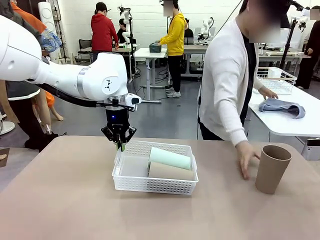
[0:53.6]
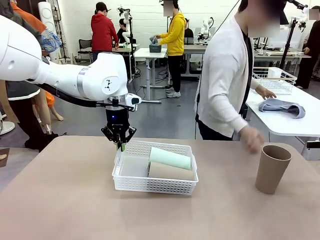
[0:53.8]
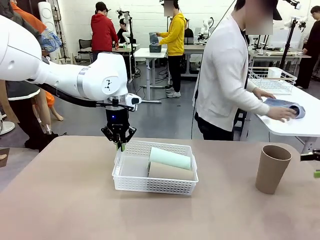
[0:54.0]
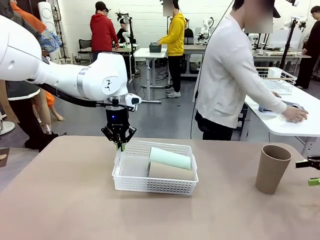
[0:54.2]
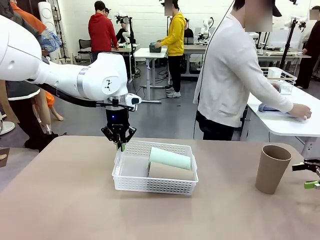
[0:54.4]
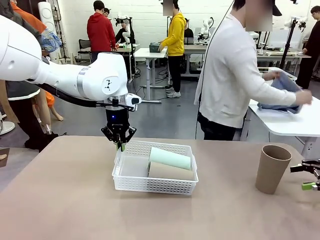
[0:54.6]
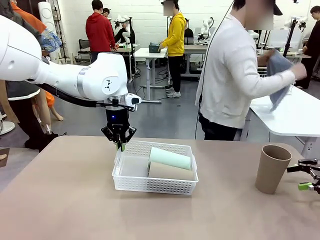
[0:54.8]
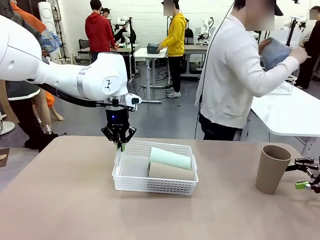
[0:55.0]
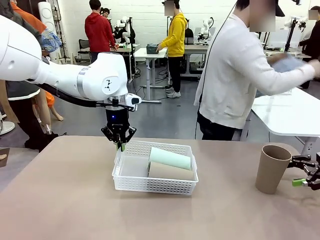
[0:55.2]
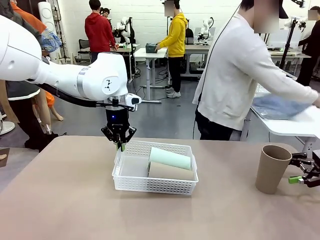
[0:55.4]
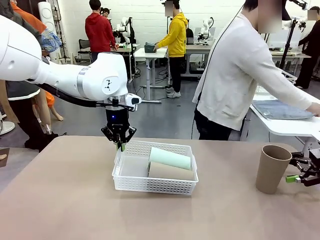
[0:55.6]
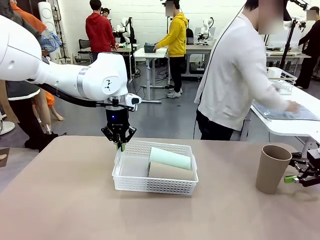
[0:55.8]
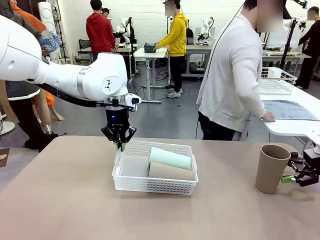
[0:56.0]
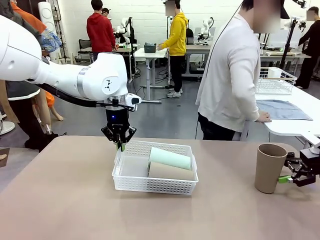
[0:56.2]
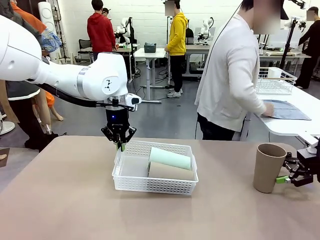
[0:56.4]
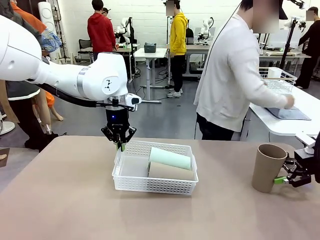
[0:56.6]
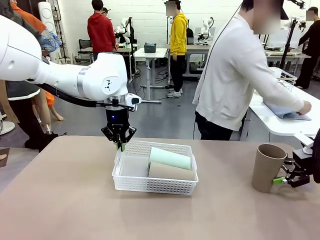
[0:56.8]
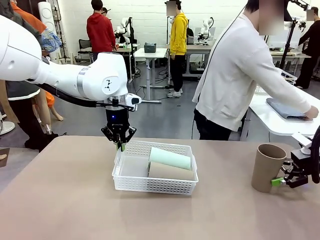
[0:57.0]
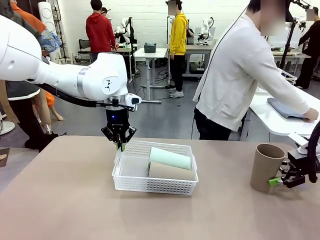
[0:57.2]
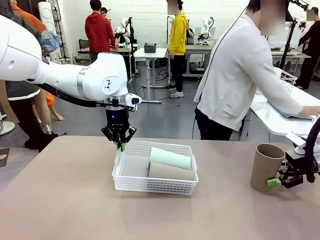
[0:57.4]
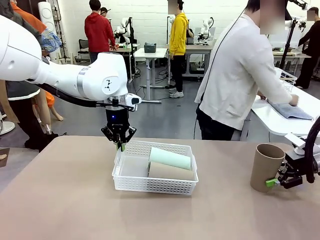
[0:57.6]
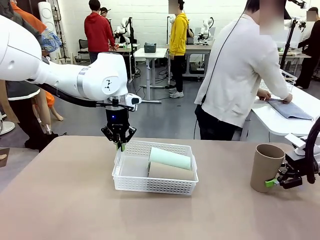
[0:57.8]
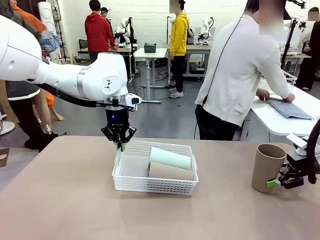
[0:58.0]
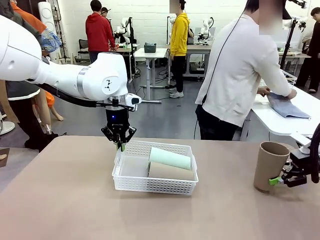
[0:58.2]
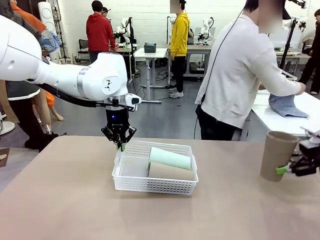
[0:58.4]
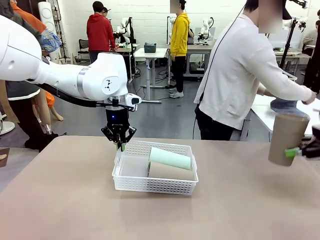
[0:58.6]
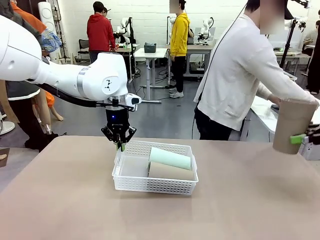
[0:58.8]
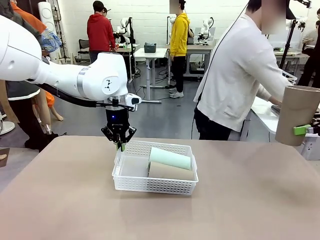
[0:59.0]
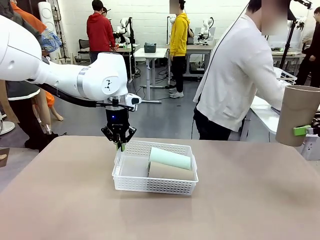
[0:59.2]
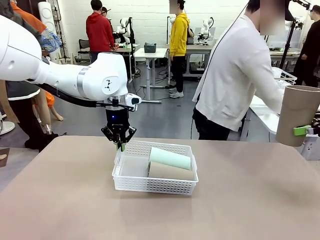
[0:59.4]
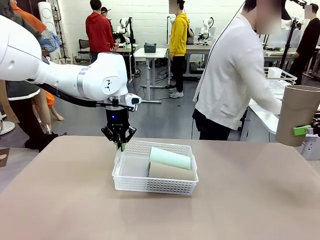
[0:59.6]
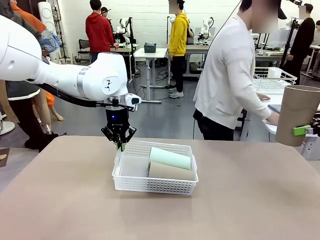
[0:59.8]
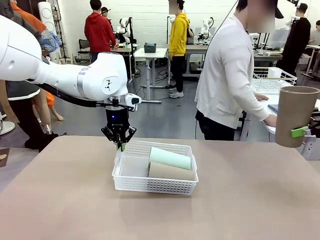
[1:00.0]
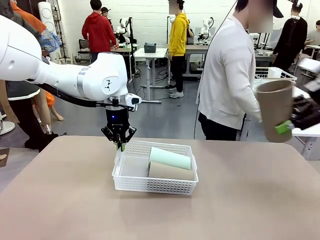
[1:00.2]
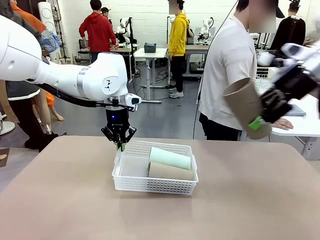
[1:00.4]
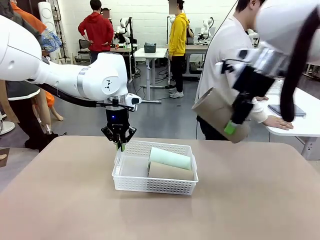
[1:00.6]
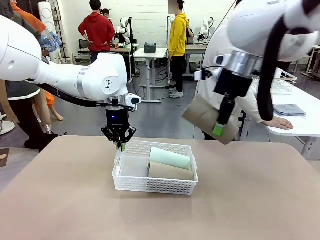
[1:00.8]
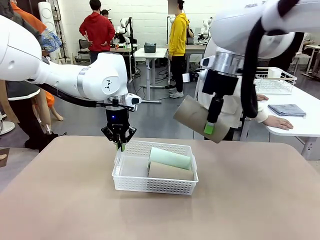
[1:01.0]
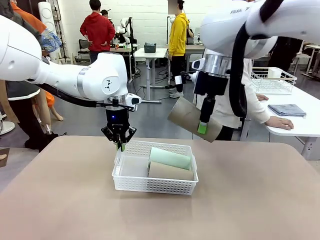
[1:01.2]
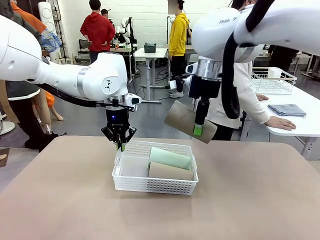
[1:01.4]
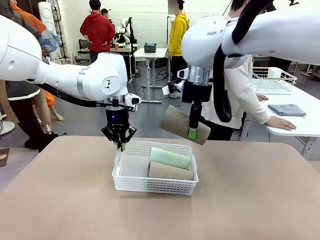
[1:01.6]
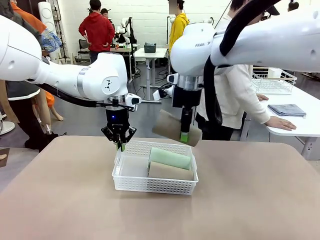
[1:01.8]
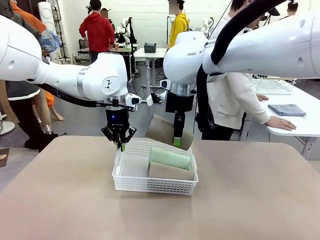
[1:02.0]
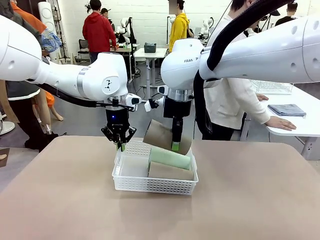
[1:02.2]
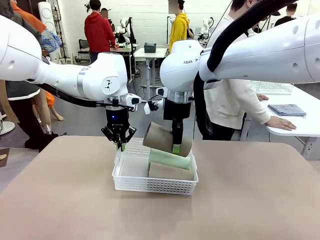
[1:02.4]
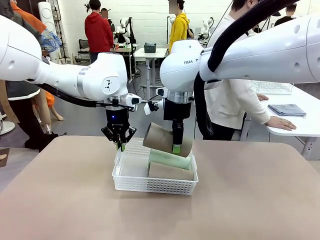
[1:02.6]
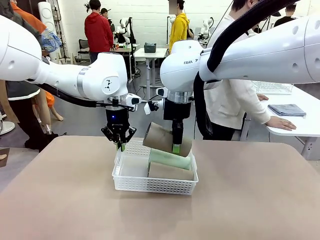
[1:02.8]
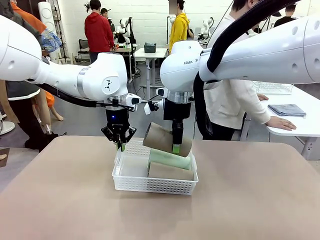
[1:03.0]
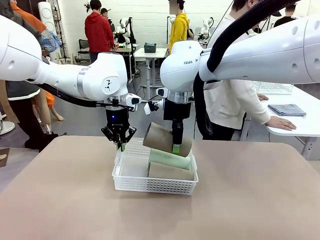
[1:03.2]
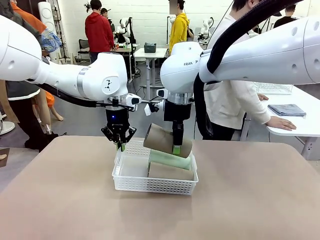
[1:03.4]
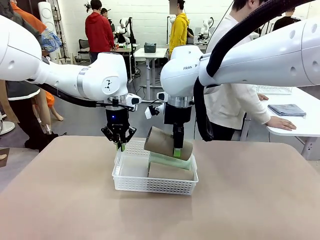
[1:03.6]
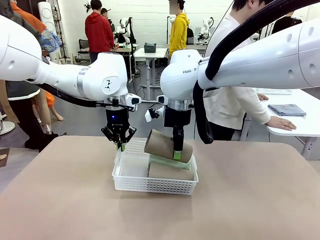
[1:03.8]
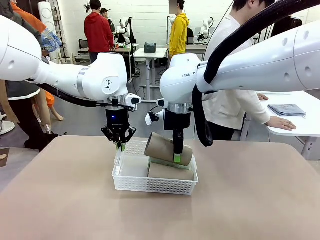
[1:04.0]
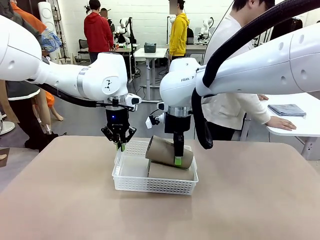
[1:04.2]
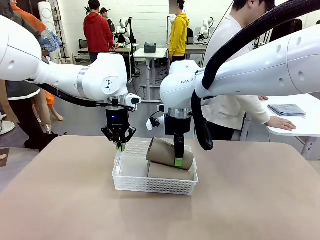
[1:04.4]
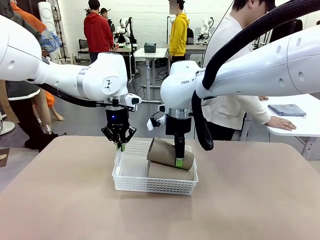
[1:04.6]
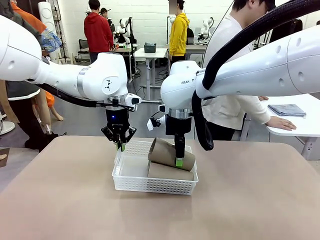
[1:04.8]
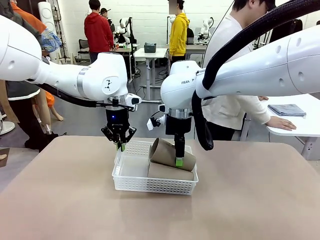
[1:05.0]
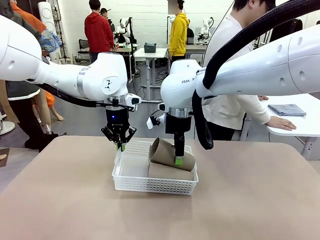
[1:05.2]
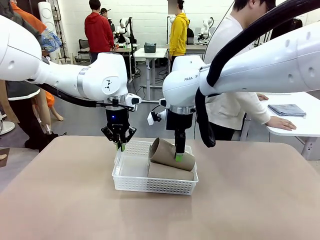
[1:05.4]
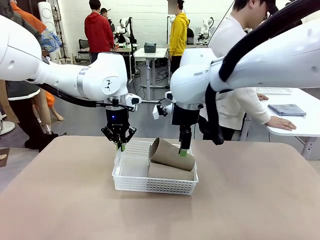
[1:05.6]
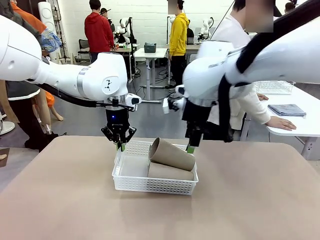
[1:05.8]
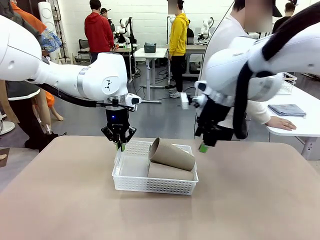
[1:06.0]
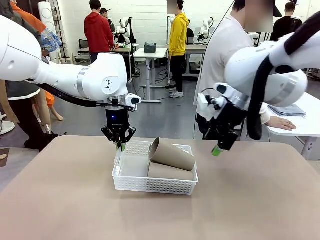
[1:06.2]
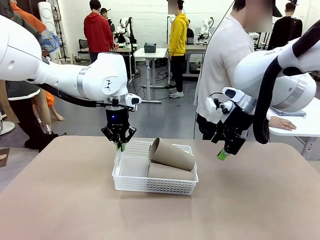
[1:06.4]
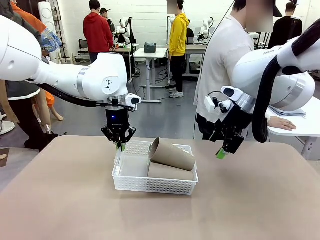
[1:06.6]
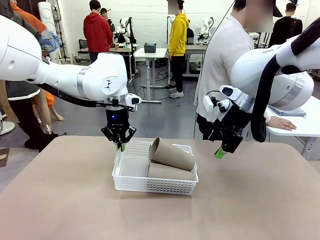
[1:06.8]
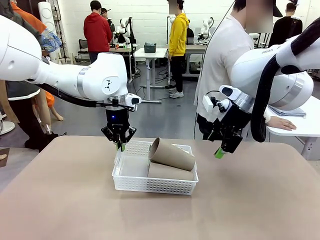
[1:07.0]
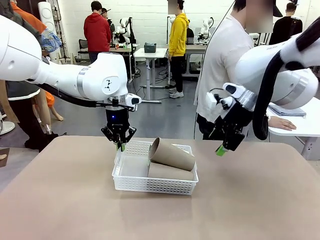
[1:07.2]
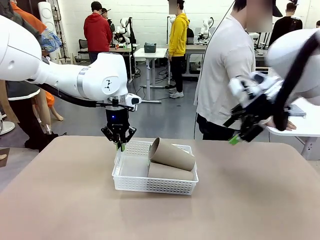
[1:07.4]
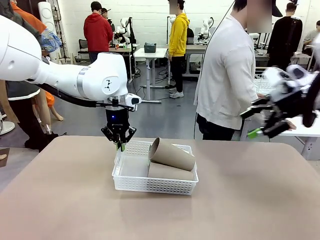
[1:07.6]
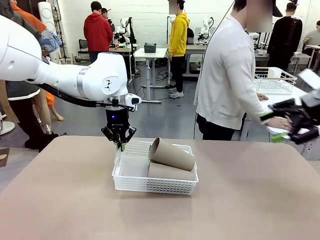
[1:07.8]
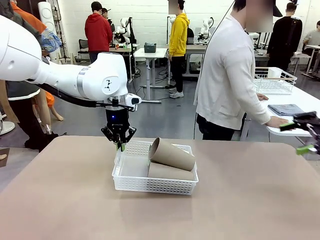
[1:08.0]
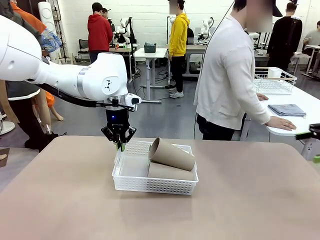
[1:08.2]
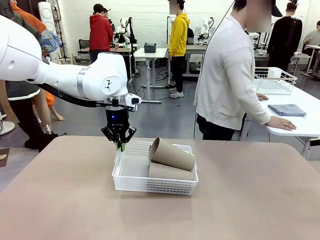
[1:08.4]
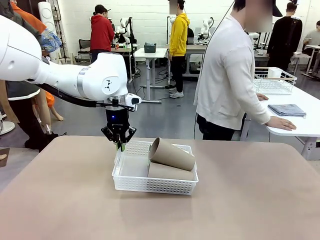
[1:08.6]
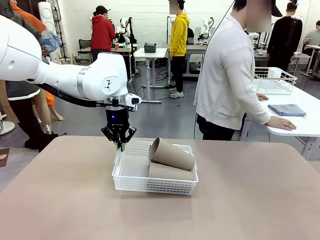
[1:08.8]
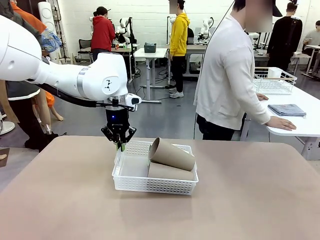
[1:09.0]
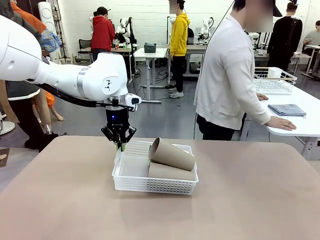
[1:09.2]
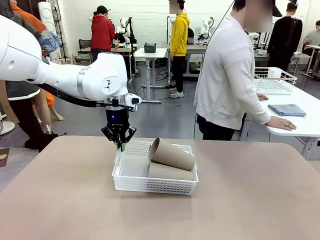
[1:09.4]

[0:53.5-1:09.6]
Task: Clean and organize the cups into the basket.
Robot: Pick up the Reusable plastic cup from the right side of the table and stack it inside the Organizing basket in the center of the table.
Person: Folds the towel in half twice and places it in the right of the table.

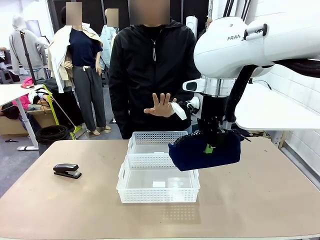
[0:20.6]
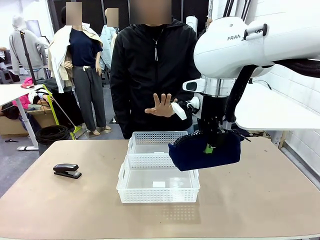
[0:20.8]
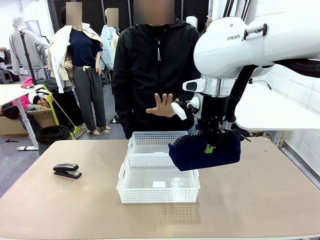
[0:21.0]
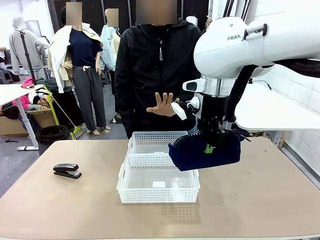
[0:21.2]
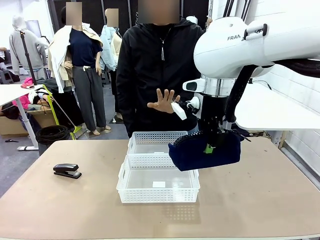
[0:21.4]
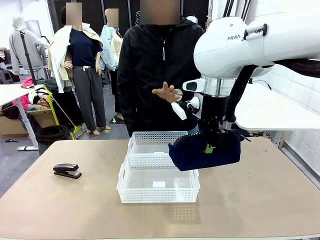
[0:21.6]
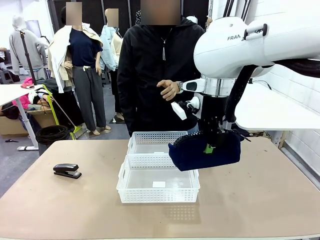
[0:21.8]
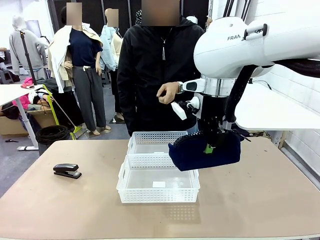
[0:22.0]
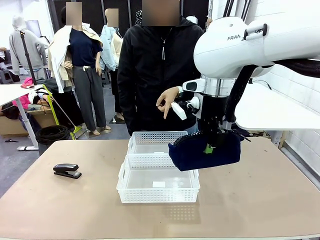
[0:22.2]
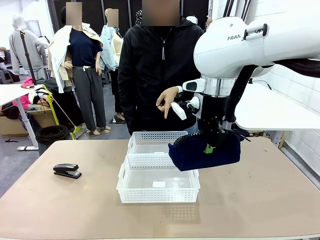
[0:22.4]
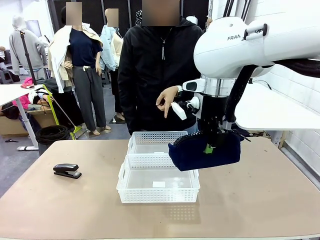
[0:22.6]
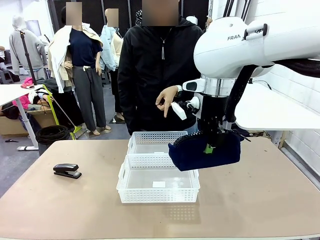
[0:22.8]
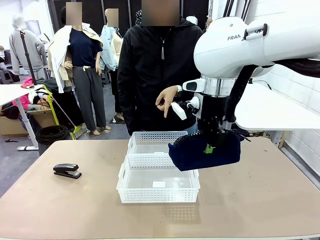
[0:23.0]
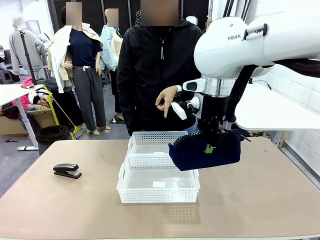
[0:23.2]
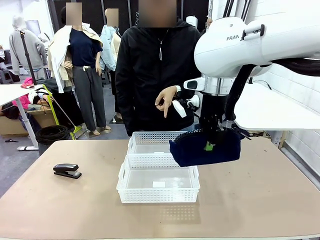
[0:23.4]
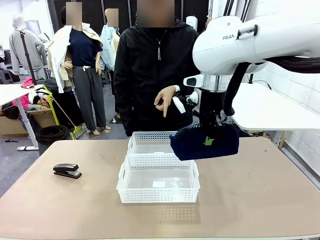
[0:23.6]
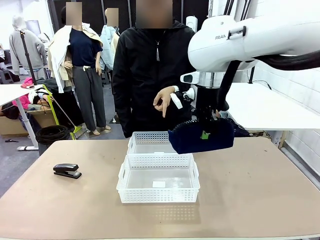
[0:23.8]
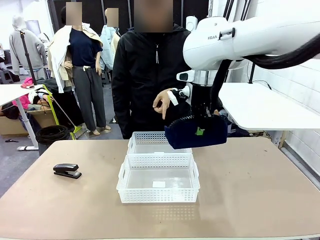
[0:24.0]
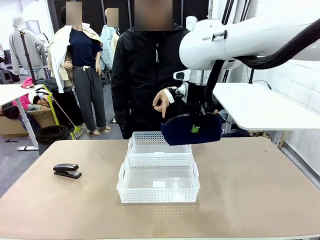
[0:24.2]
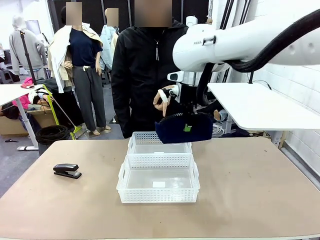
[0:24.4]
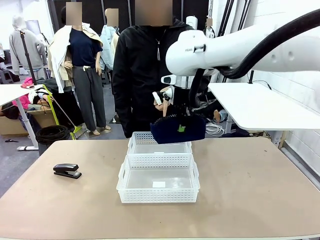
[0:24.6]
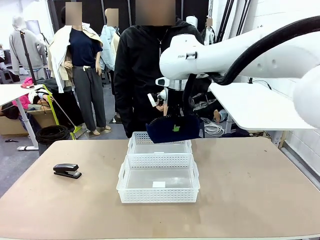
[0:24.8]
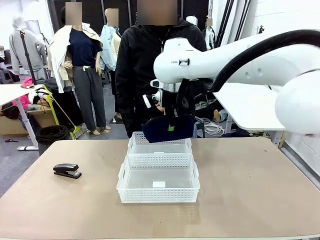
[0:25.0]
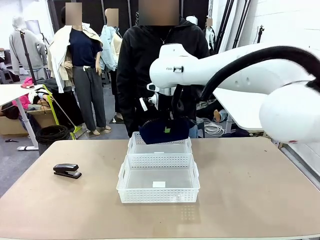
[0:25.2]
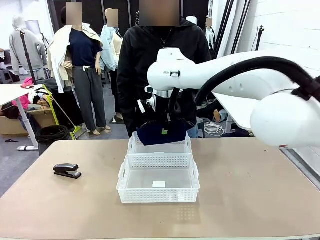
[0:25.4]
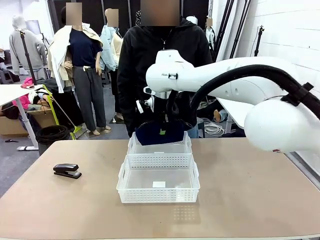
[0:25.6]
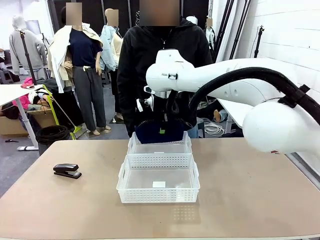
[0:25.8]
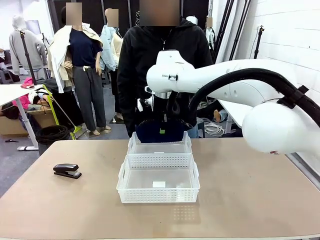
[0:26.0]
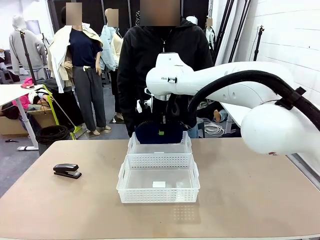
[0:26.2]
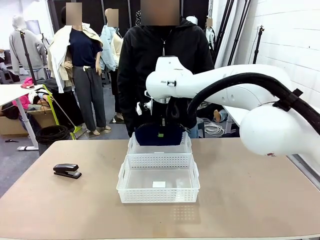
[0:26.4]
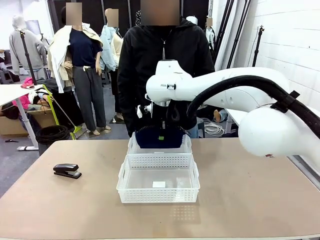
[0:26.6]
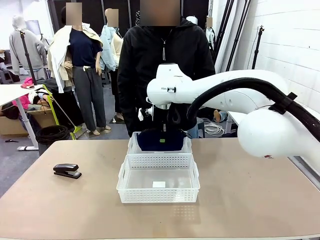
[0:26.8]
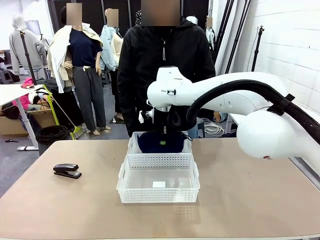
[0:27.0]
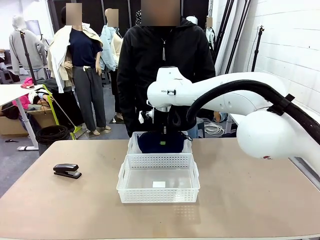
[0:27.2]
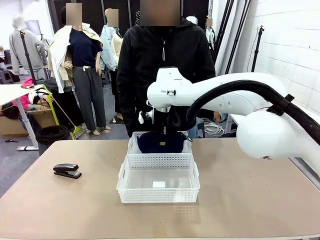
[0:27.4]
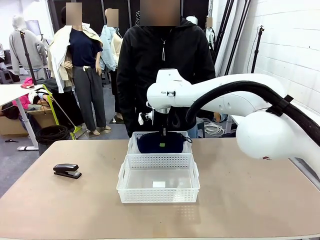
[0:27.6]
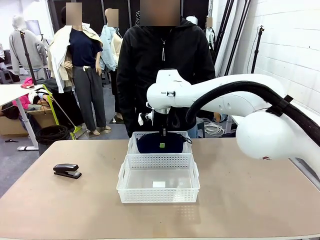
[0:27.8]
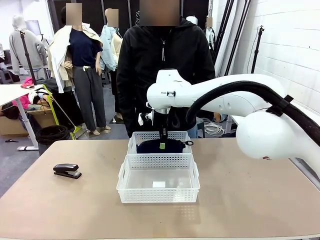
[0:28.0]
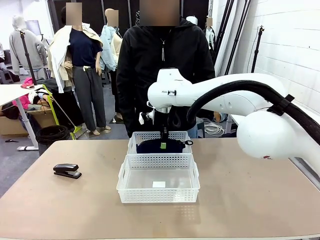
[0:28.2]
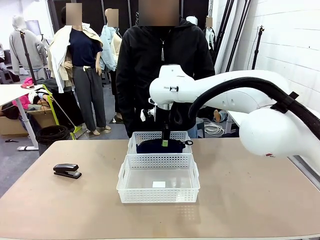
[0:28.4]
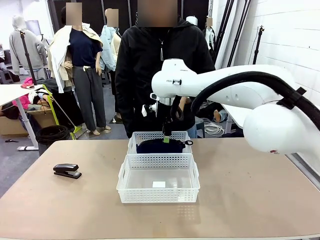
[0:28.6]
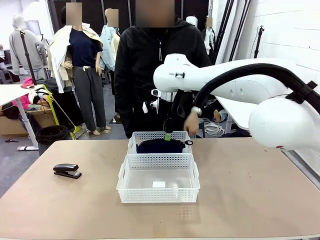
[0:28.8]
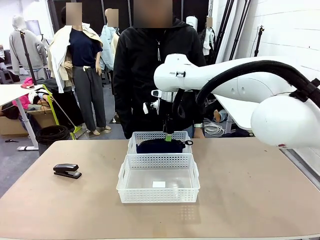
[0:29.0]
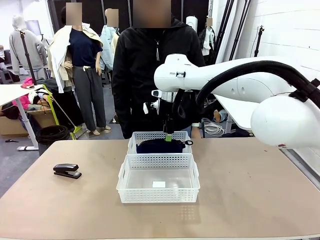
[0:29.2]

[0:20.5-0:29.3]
Task: Distribute items into two baskets.
Robot: Place the picked Pencil pouch into the Organizing basket as instructed by the person.
Person: Instructs the robot to place the pencil case into the opposite basket.
